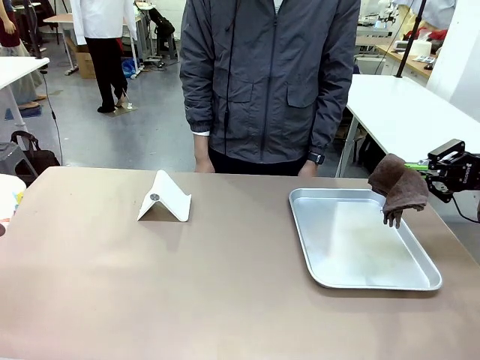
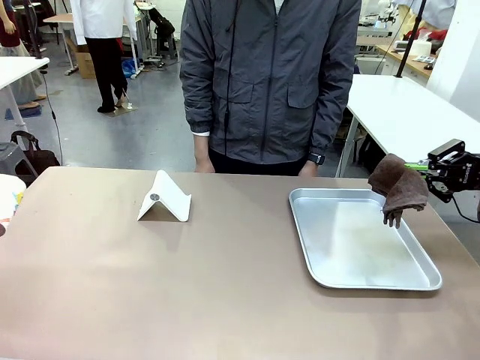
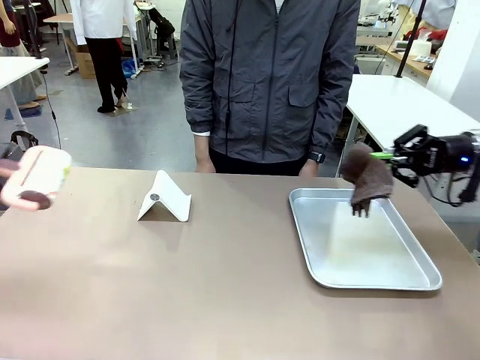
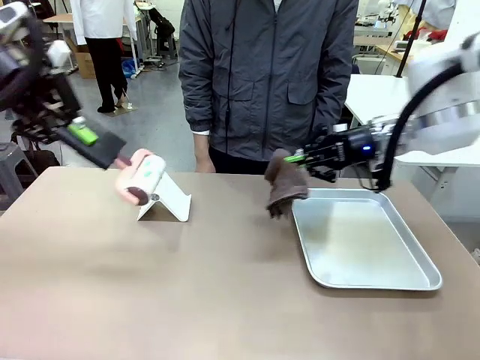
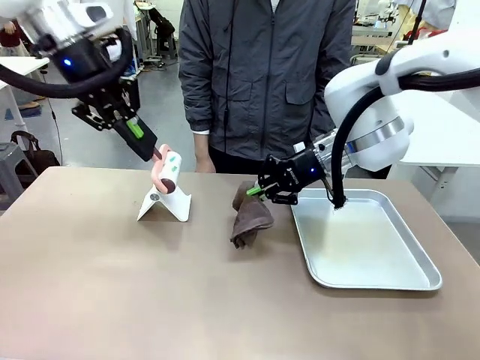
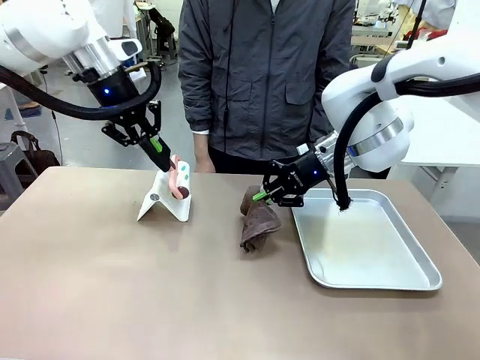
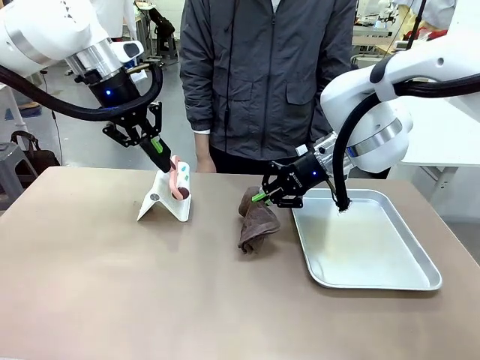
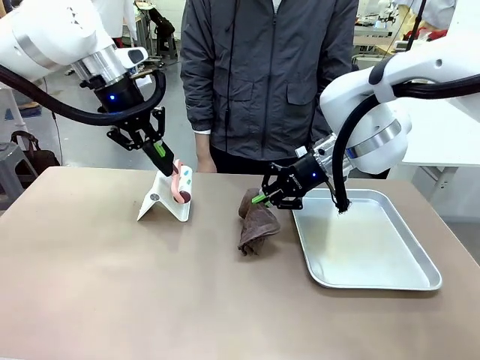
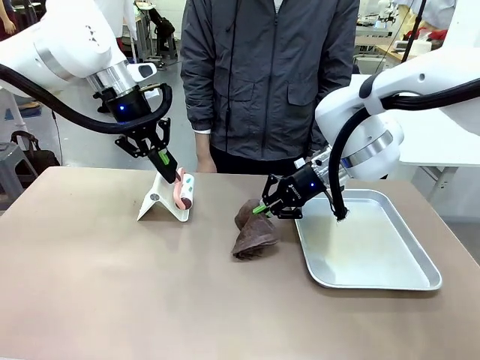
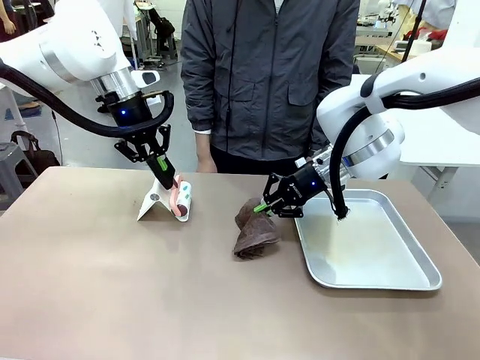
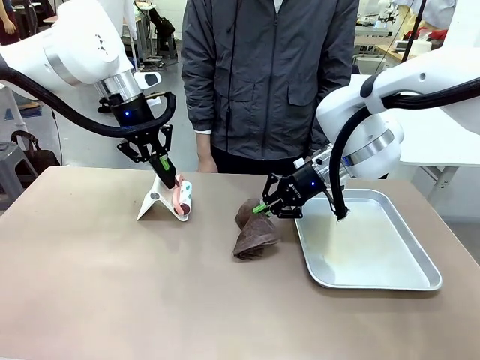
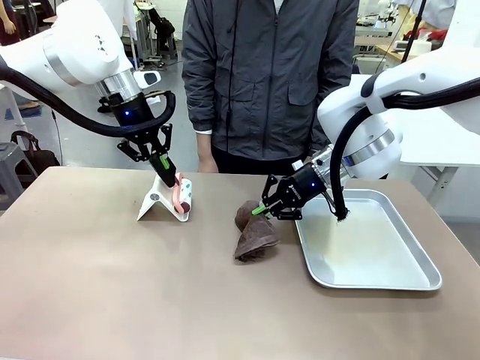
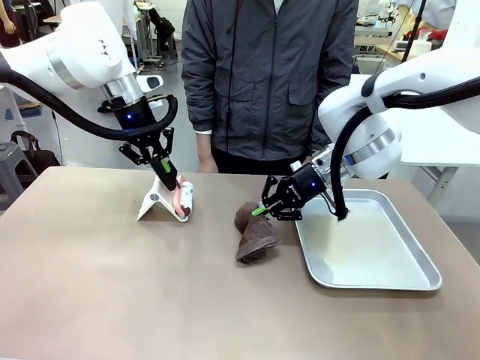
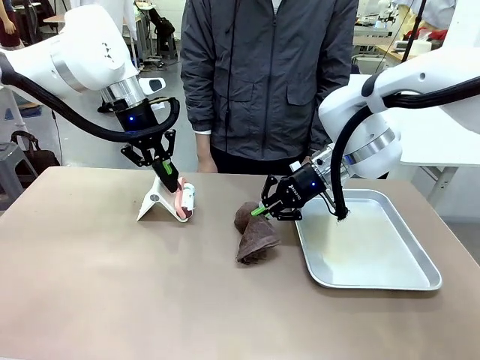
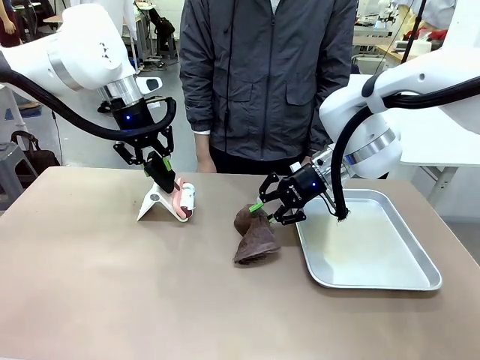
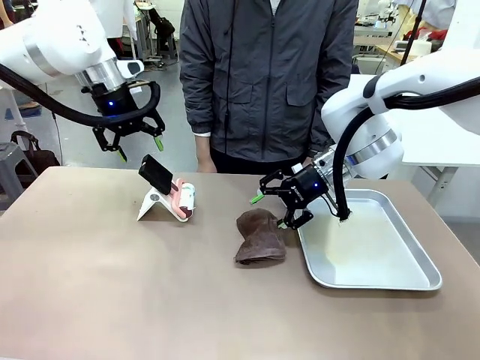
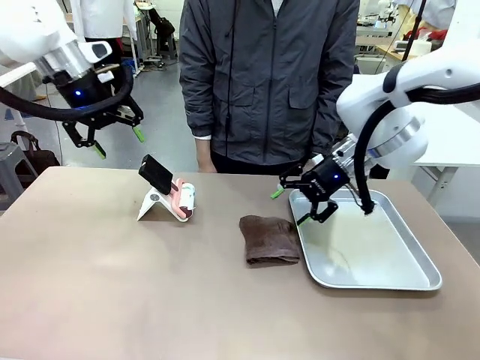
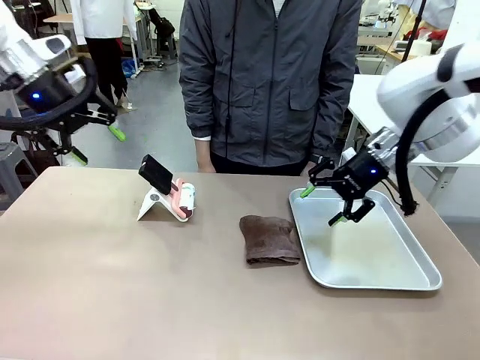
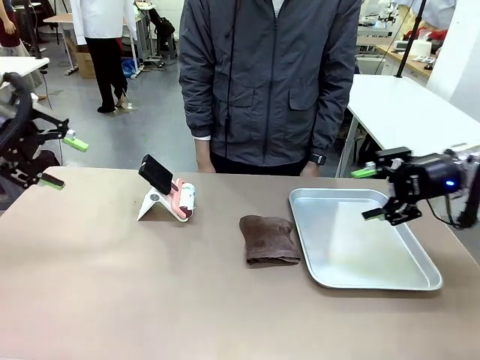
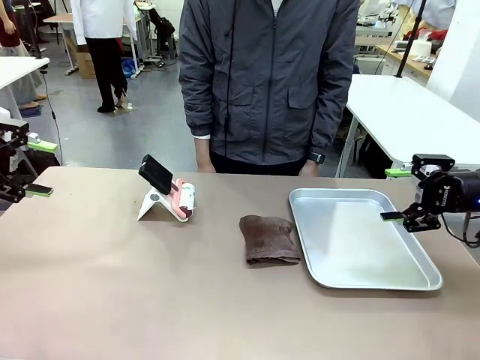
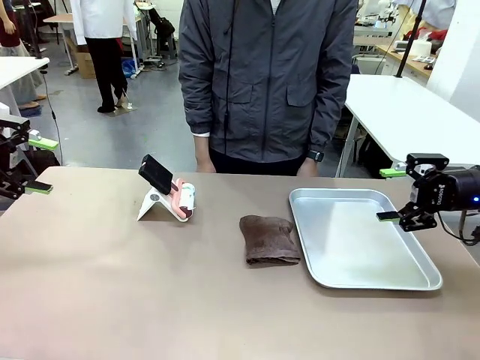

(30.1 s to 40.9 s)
Task: Clean the surface of the table.
Robot: Return the Lint Roller and towel to their original positions.

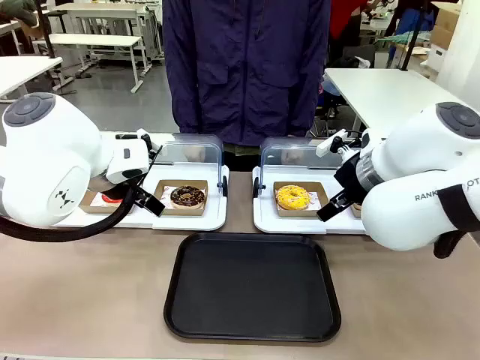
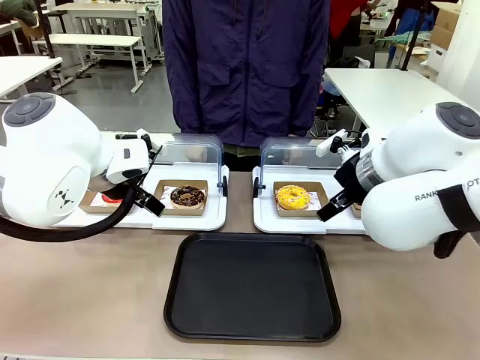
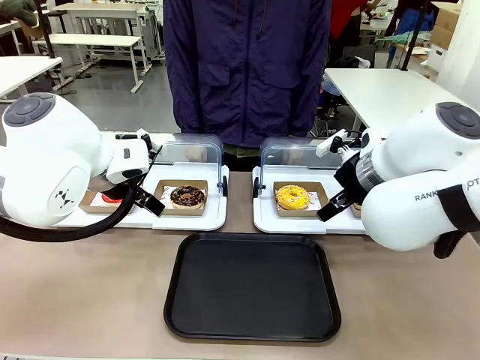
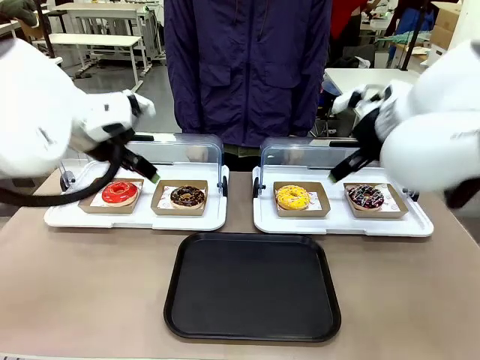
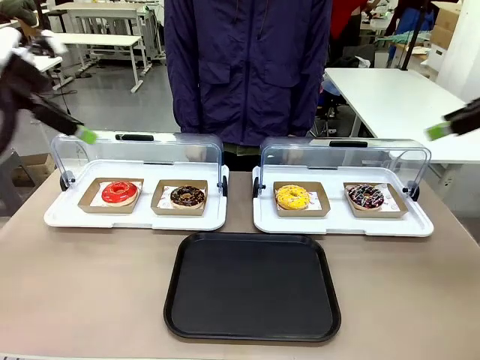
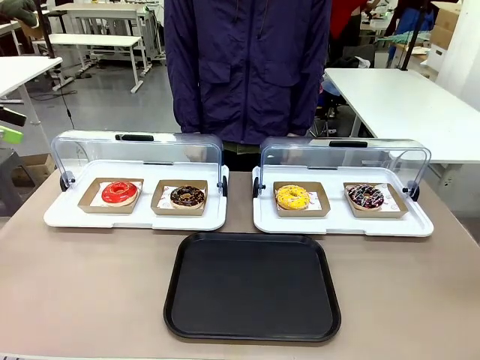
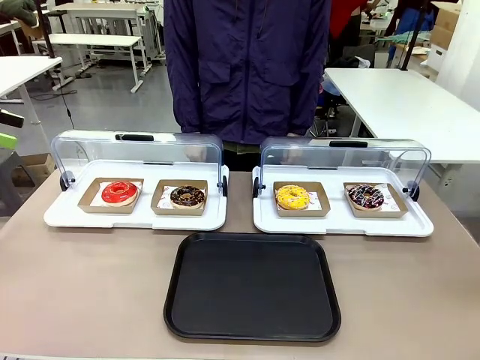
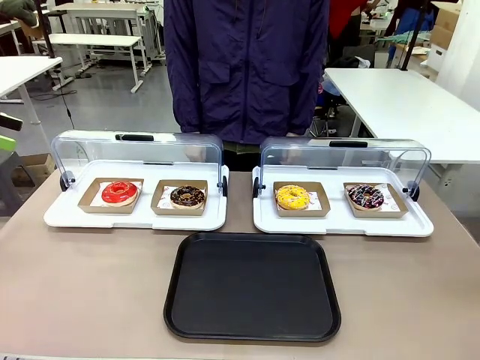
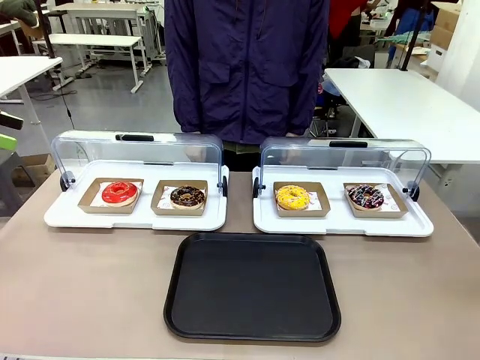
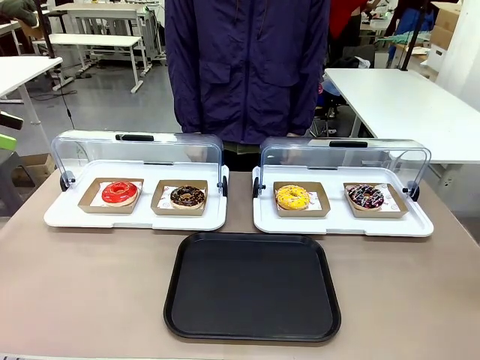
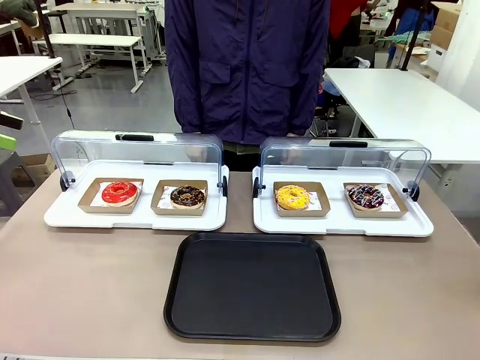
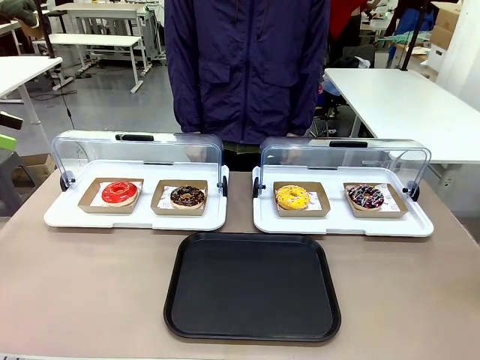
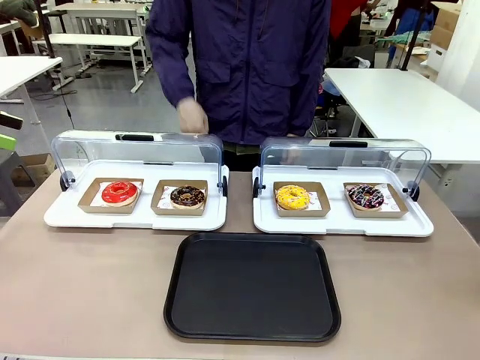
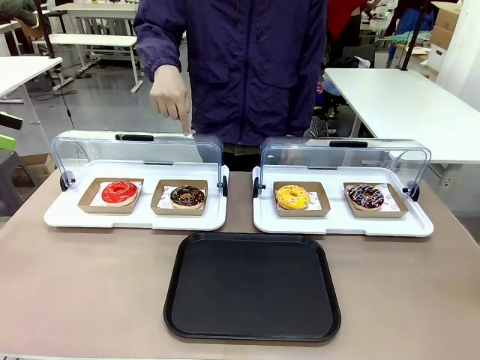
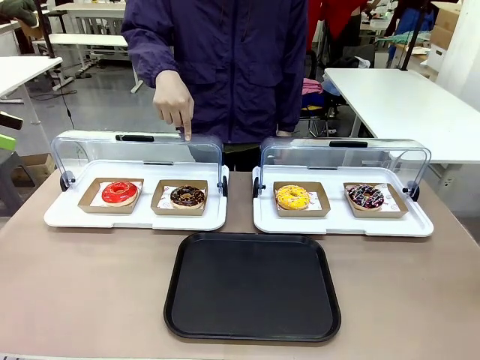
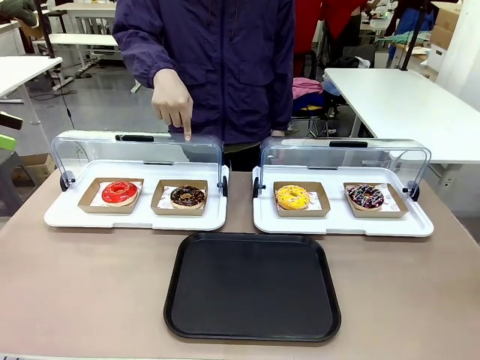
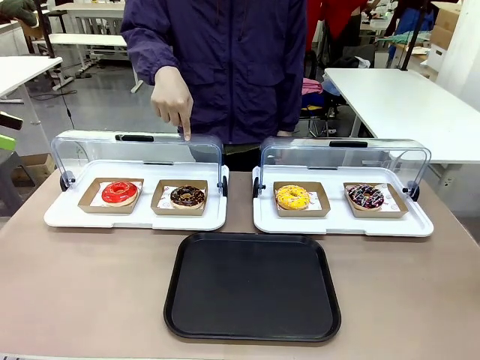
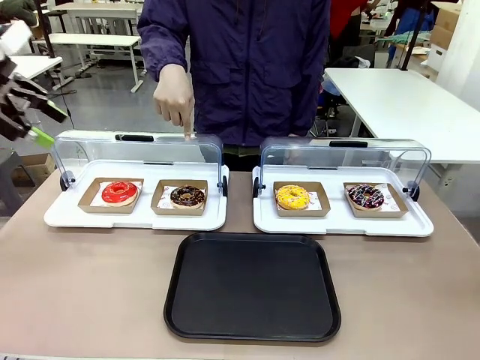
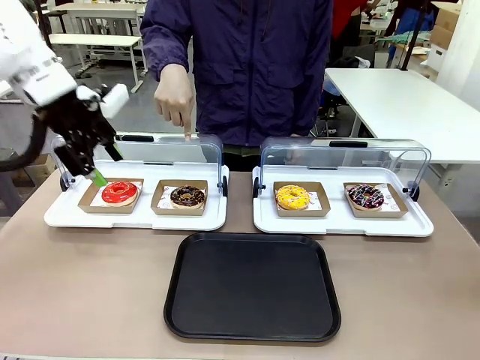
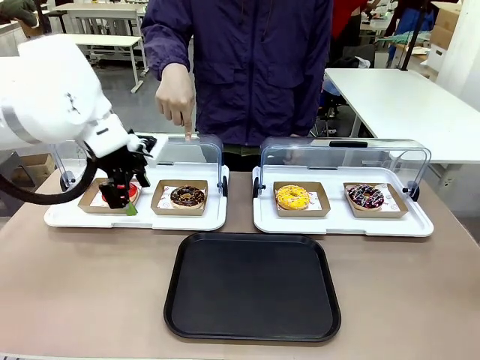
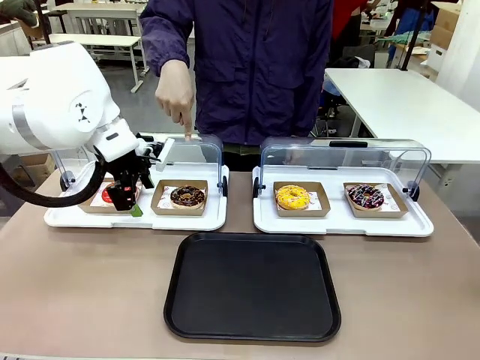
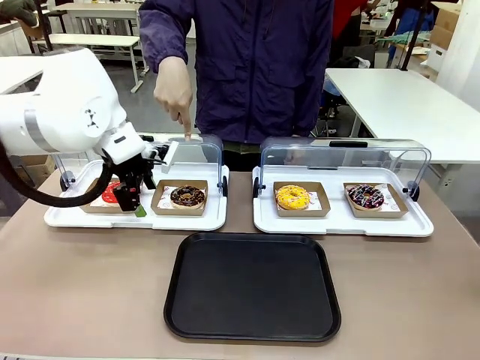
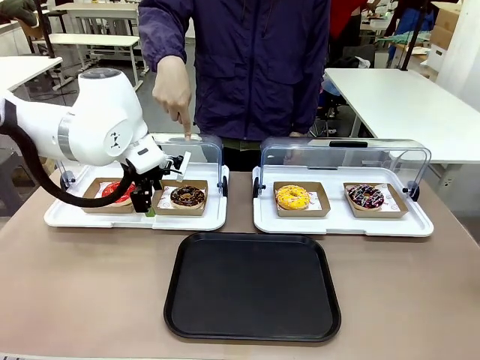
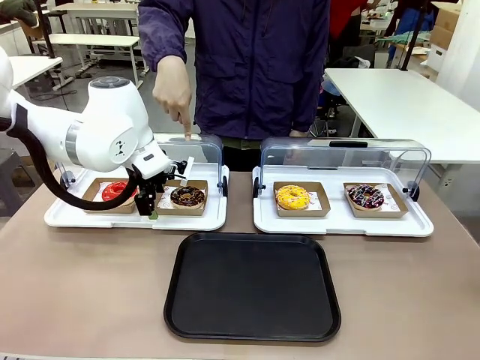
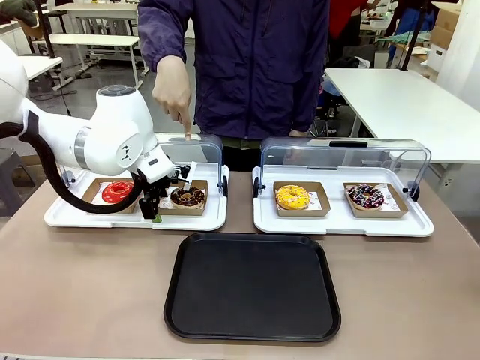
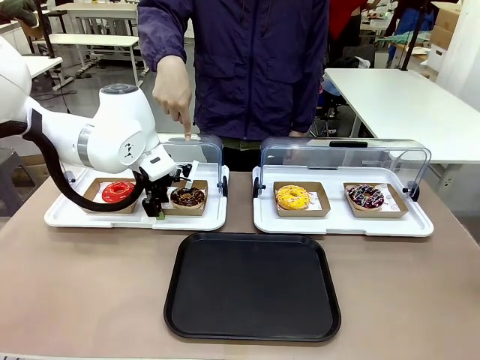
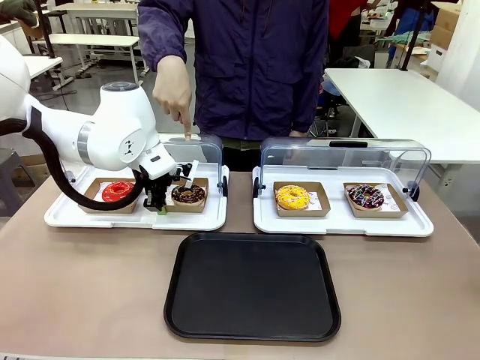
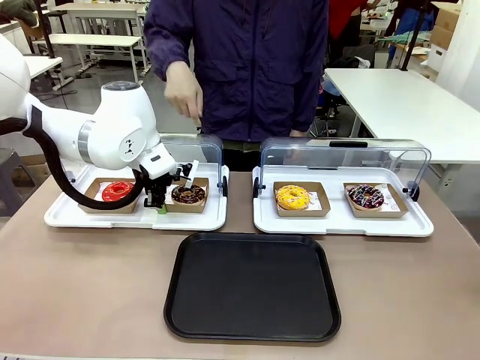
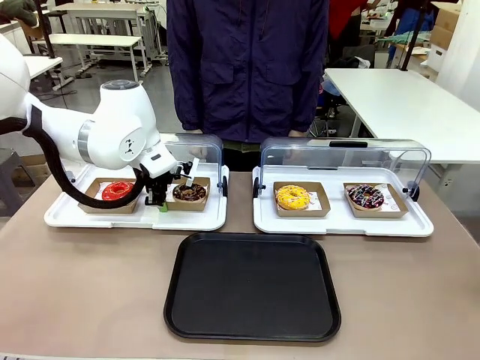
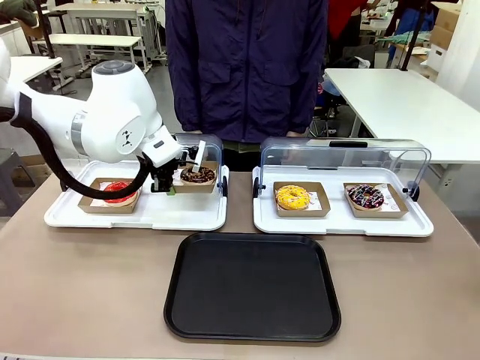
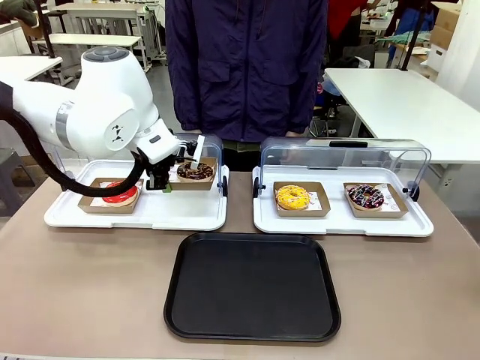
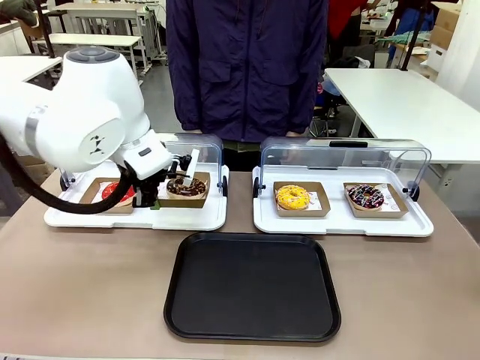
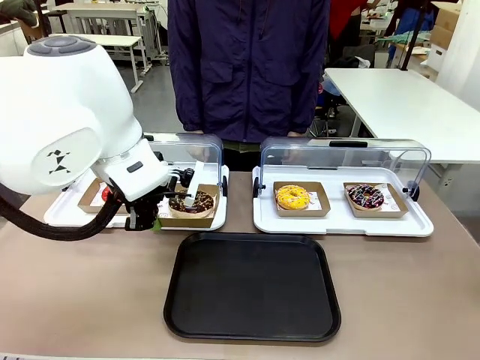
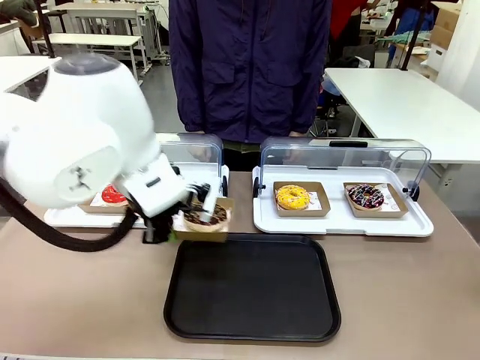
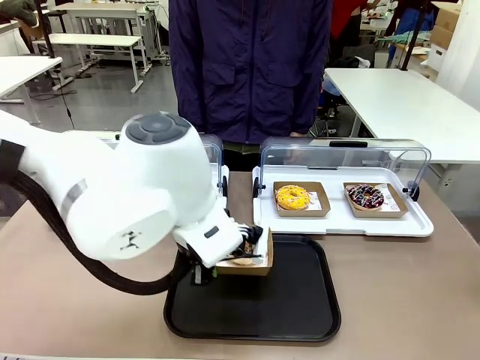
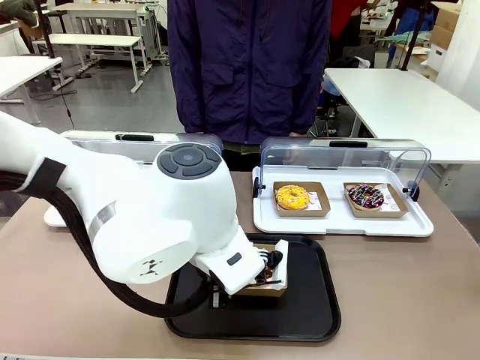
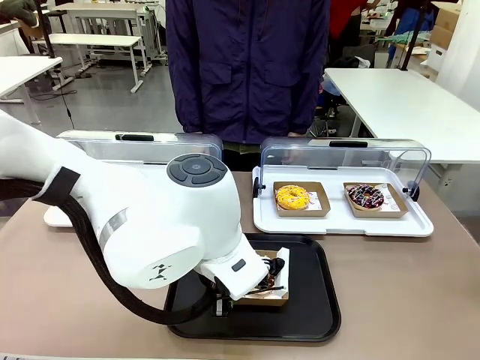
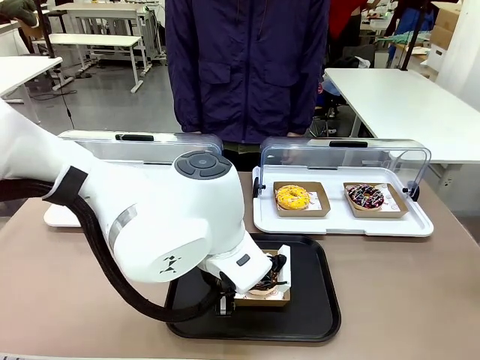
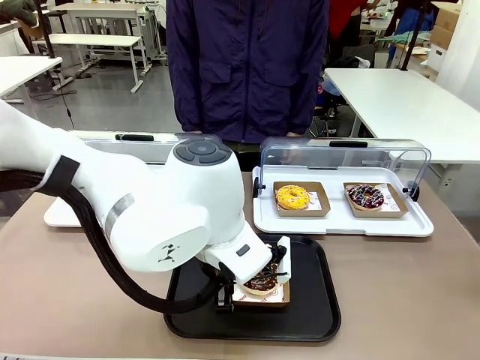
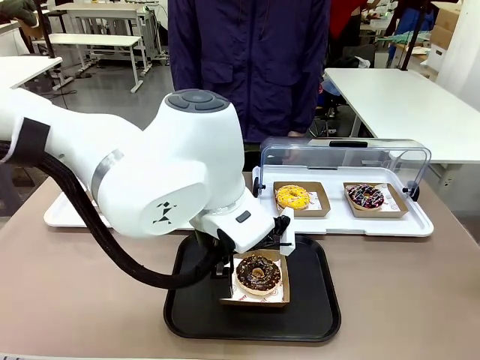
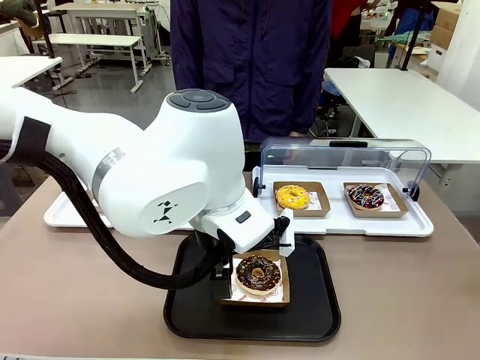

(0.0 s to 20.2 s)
Task: Move the second donut from the left to the tray.
Robot: Pick up the Paper togo box containing the Donut indicated by the person and place it on the Handle tray.
Person: Points to the second donut from the left from the robot’s perspective.
